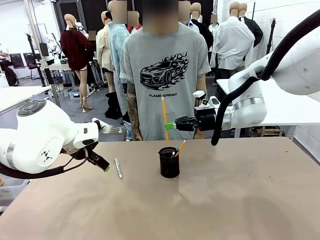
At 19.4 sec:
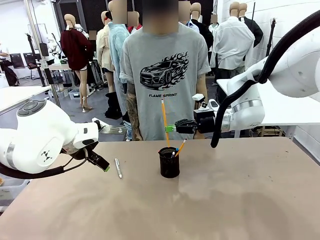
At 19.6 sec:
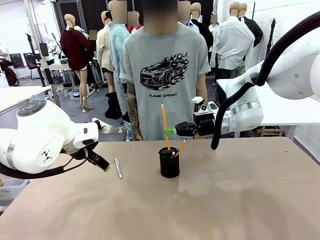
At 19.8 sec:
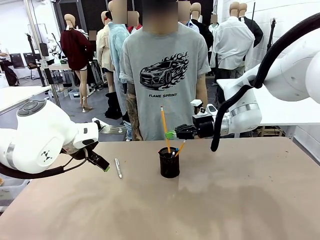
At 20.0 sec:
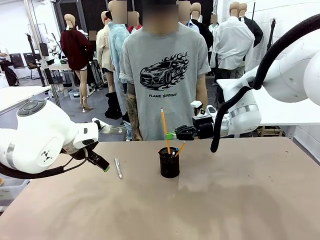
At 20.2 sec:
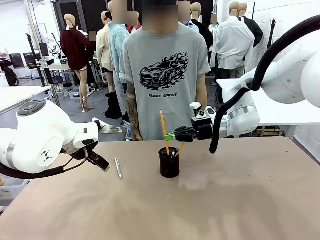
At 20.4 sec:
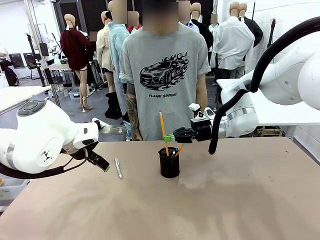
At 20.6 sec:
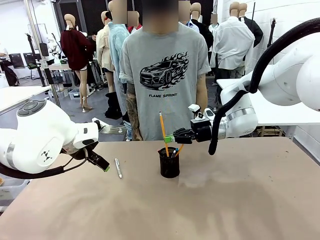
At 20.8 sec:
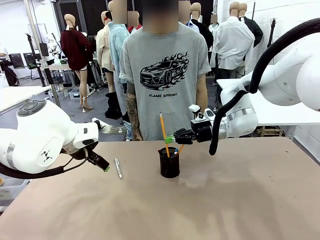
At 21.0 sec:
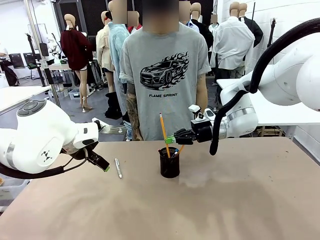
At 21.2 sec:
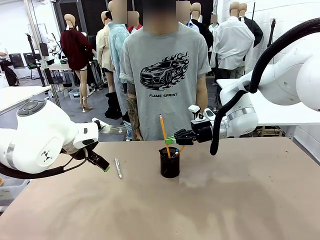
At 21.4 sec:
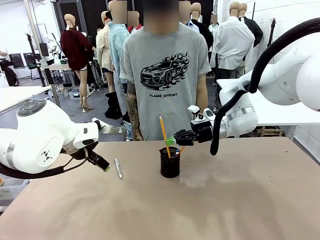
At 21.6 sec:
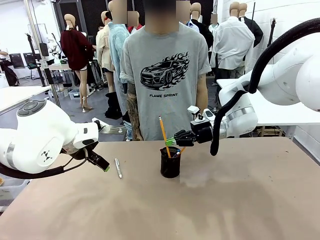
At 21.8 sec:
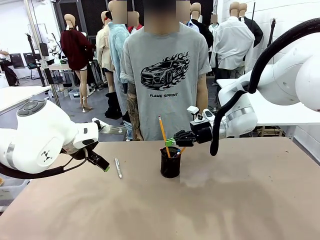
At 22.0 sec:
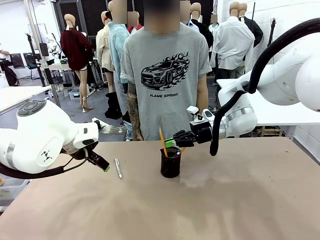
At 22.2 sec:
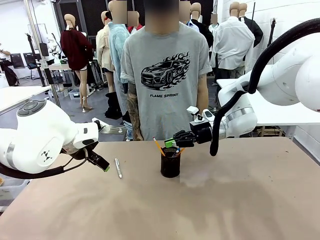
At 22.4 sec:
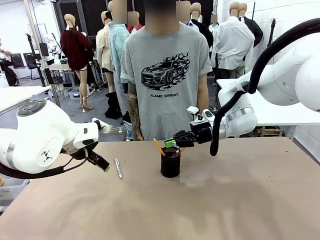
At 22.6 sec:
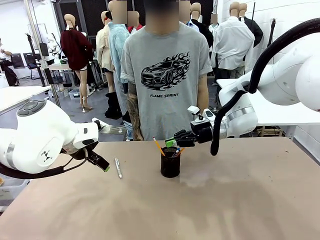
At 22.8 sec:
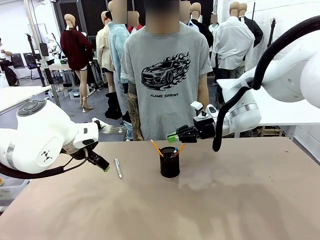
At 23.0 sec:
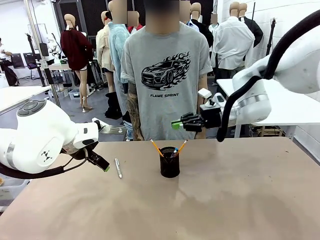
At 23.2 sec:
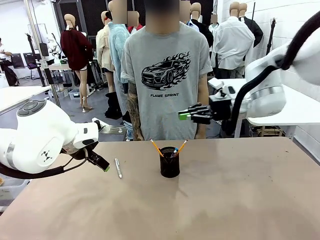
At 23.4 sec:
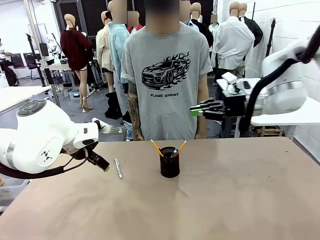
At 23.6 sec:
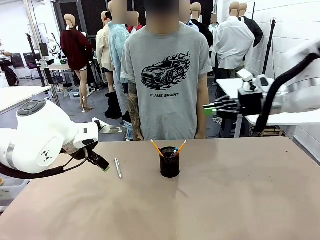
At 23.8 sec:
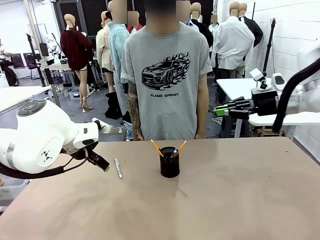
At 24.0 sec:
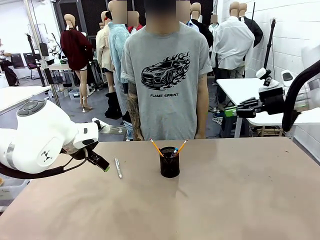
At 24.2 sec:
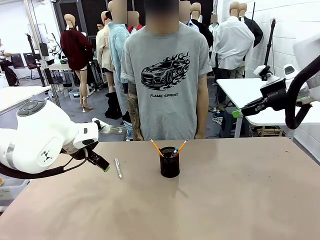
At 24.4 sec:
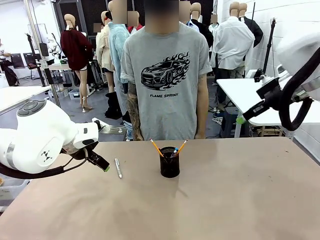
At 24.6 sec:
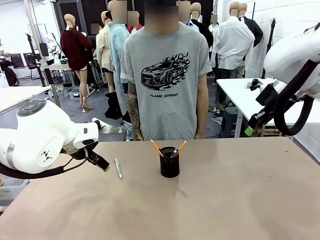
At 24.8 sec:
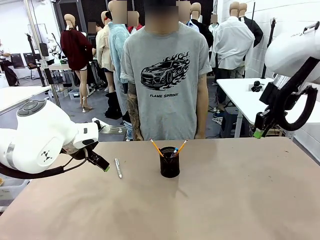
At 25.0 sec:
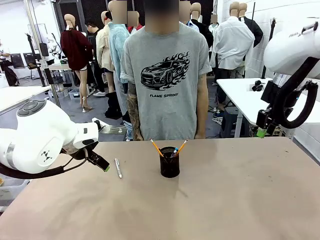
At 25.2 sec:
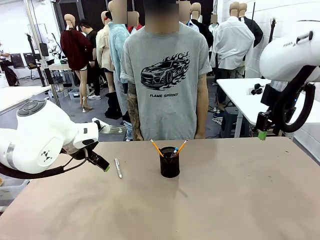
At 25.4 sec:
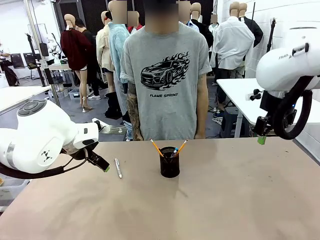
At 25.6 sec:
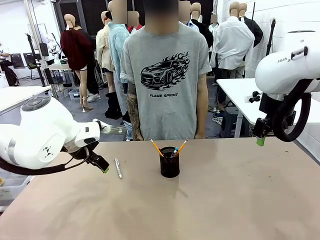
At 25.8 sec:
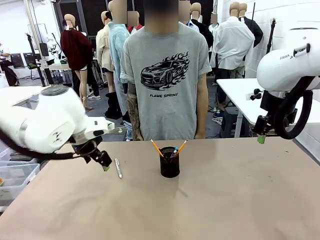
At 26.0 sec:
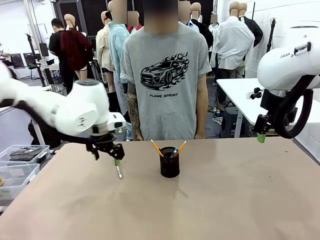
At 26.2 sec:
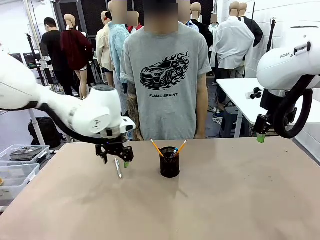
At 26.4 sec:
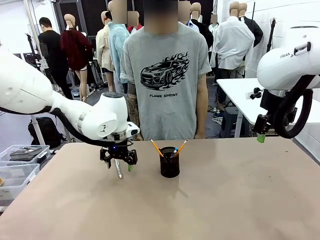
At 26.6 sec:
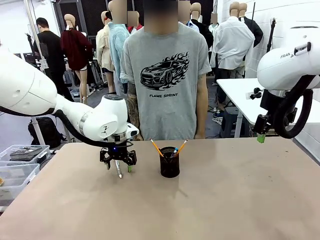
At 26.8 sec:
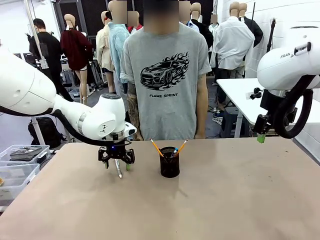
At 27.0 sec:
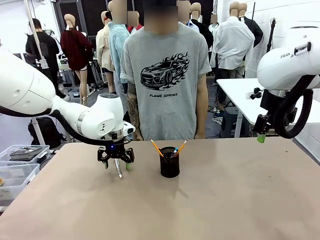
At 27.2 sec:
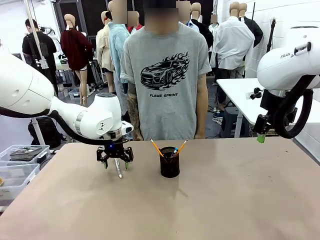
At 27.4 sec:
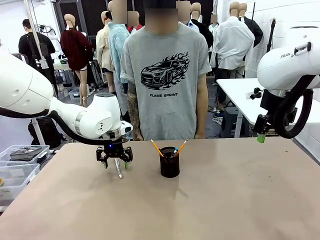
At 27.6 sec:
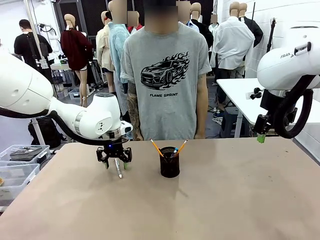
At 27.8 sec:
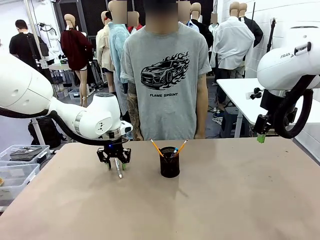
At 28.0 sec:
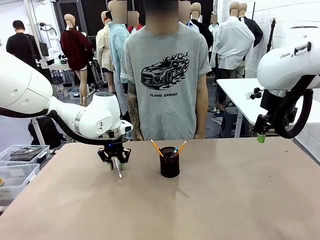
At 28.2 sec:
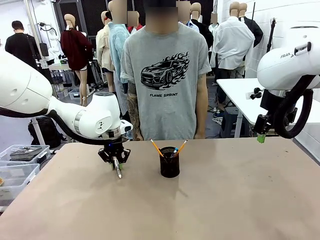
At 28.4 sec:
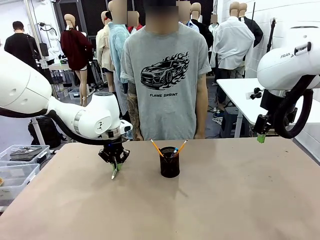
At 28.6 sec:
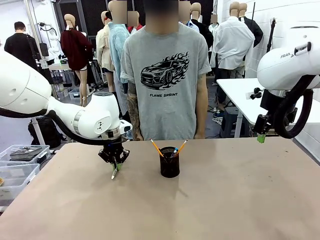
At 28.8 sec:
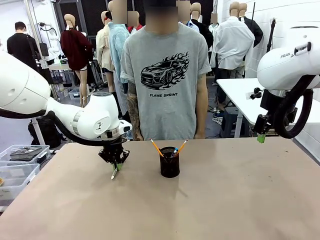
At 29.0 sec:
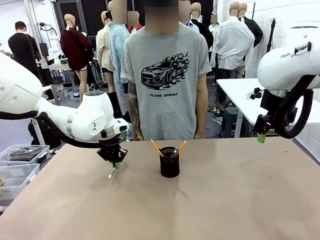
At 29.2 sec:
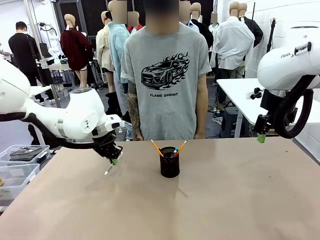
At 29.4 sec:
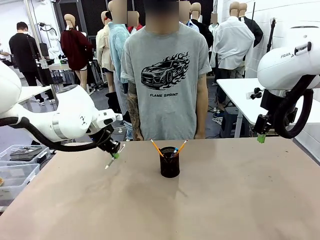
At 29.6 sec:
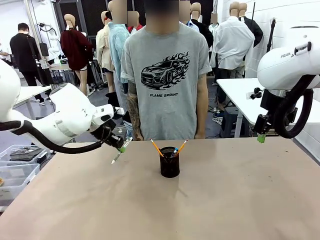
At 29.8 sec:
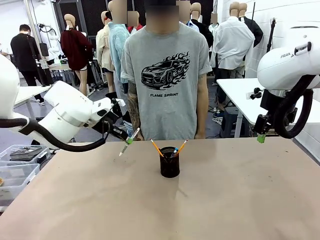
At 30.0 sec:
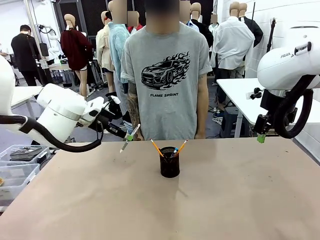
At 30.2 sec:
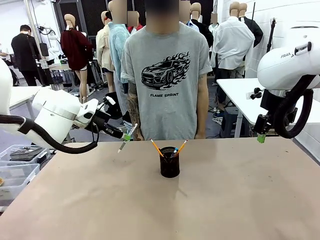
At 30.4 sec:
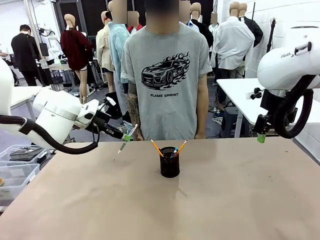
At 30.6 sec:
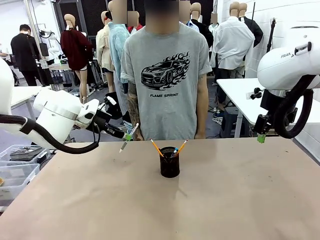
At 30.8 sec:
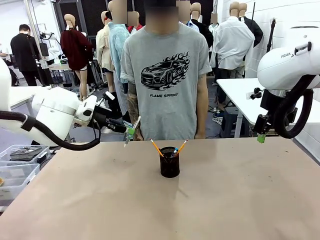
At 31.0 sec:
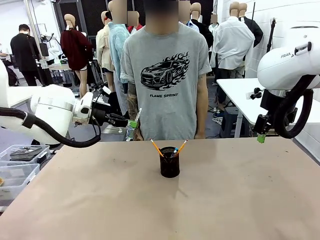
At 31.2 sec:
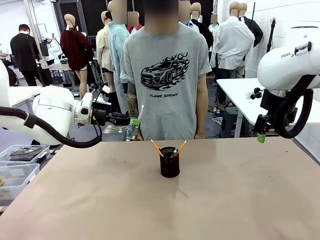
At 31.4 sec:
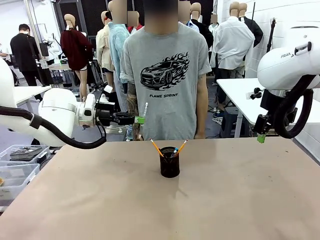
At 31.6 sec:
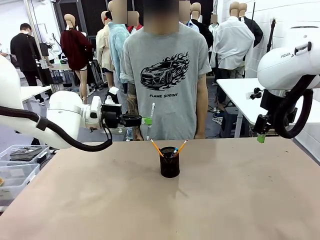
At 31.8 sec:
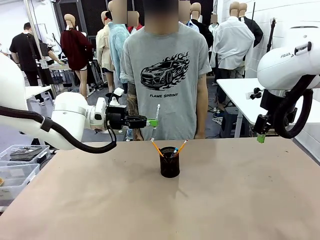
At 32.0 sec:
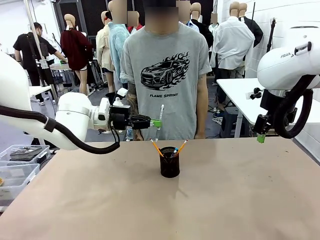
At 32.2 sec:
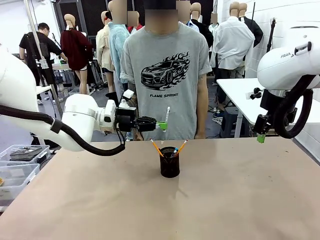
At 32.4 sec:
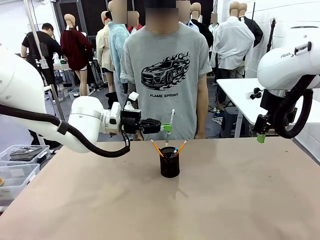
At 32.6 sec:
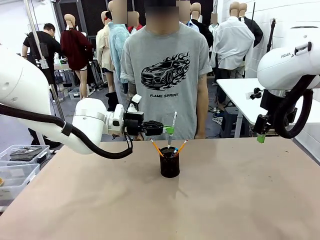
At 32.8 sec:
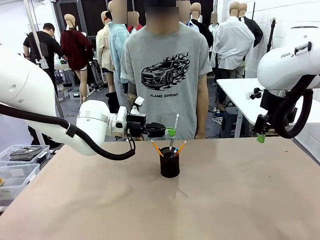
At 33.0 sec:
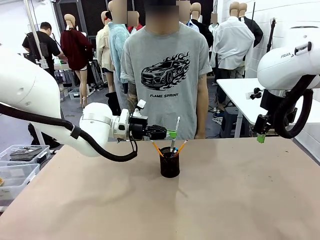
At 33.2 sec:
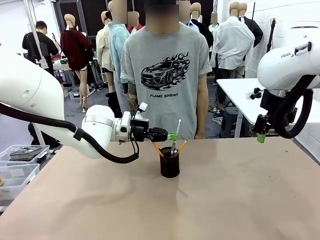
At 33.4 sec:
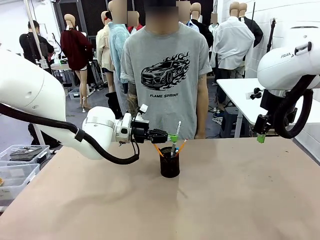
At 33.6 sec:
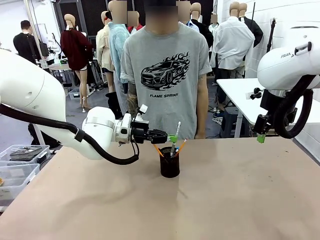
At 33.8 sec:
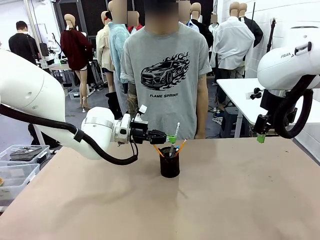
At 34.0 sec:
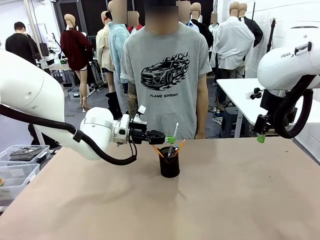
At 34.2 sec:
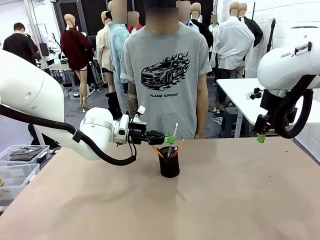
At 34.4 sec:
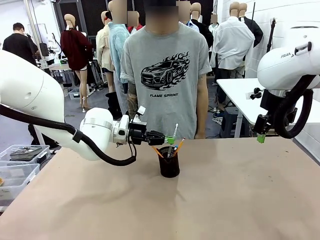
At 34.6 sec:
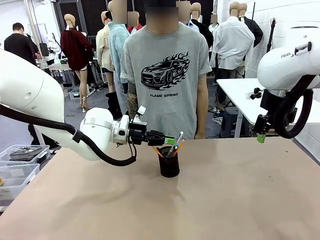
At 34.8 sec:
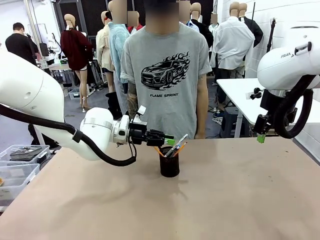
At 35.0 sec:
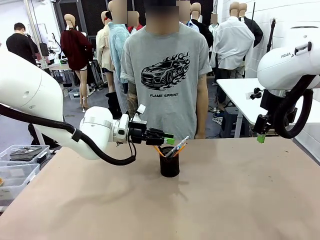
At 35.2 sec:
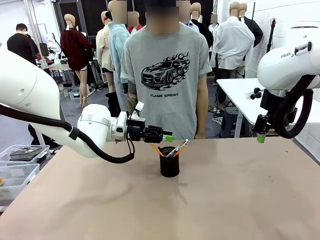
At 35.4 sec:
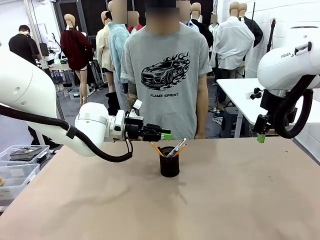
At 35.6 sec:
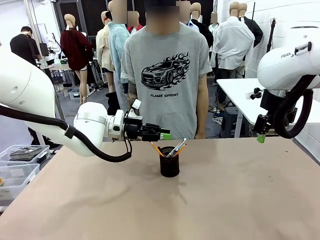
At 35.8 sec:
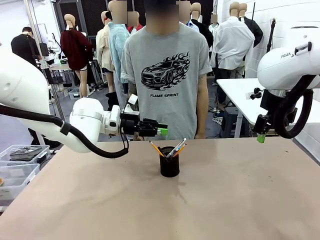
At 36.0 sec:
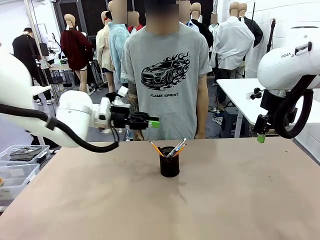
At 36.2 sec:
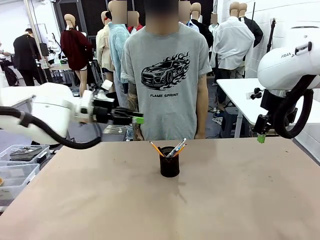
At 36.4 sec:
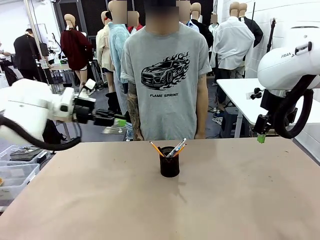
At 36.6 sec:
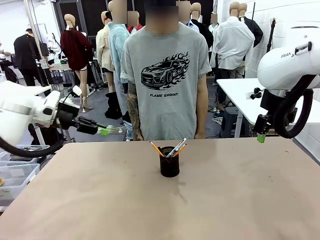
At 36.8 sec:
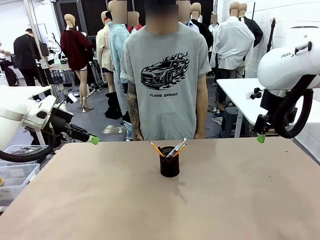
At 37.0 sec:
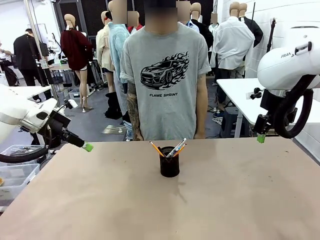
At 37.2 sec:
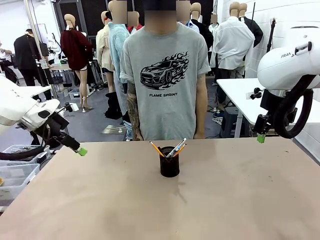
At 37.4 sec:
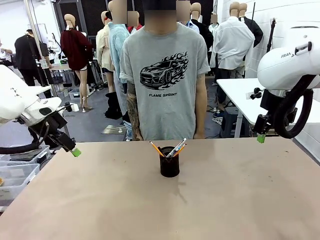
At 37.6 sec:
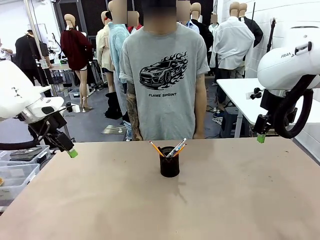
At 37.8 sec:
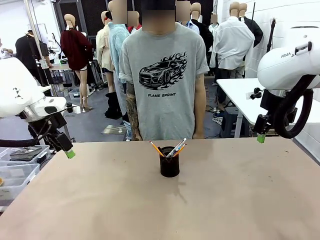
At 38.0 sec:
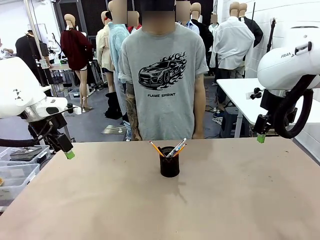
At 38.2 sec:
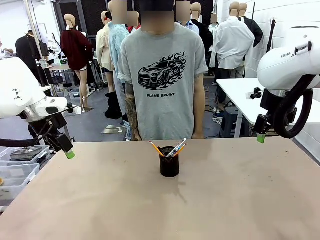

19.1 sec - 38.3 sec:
Task: Place the pens into the pen holder.
Robot: Pick up a writing instrument from the table and place it into the Pen holder.
Person: Place all writing instrument into the Pen holder.
